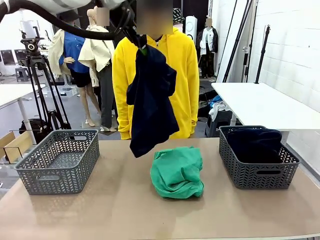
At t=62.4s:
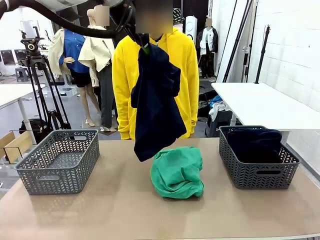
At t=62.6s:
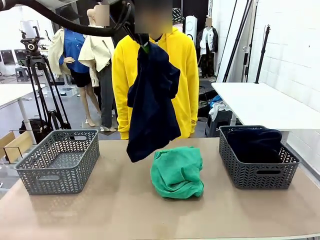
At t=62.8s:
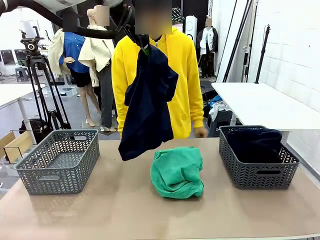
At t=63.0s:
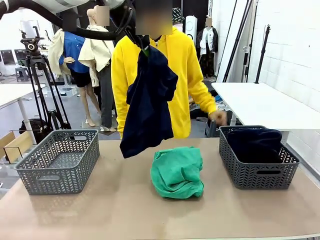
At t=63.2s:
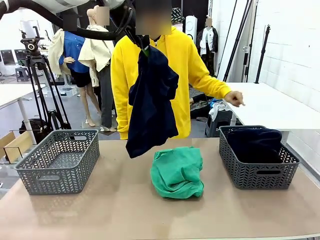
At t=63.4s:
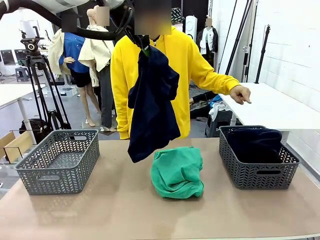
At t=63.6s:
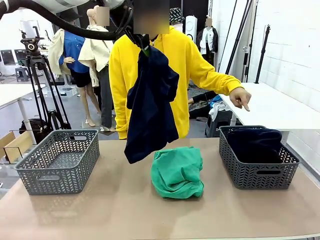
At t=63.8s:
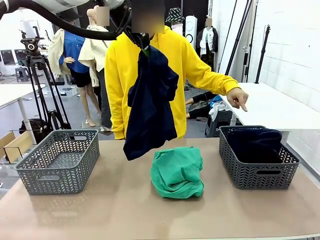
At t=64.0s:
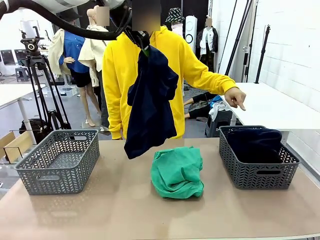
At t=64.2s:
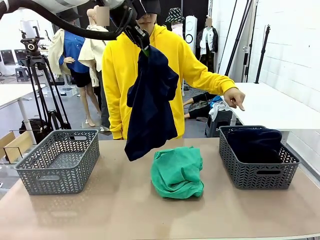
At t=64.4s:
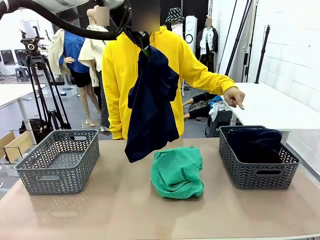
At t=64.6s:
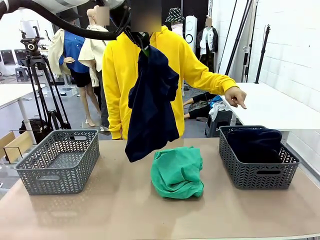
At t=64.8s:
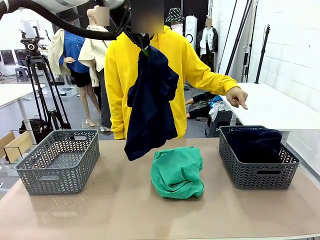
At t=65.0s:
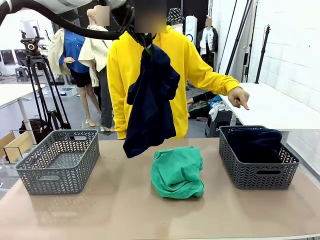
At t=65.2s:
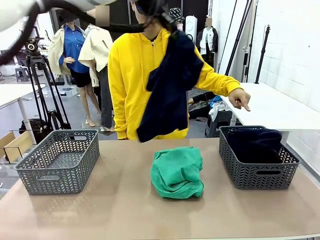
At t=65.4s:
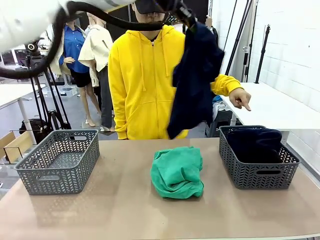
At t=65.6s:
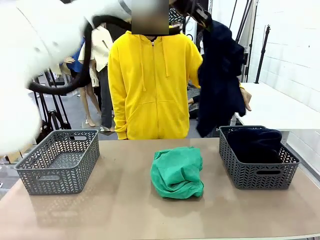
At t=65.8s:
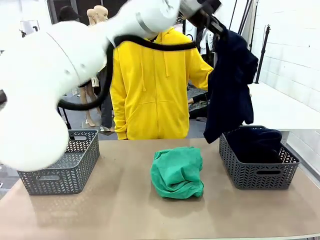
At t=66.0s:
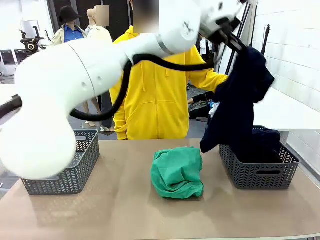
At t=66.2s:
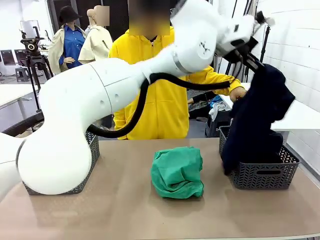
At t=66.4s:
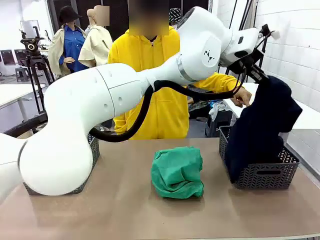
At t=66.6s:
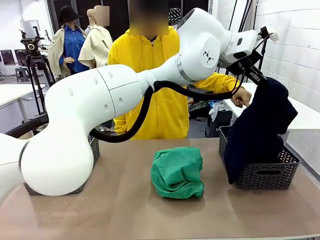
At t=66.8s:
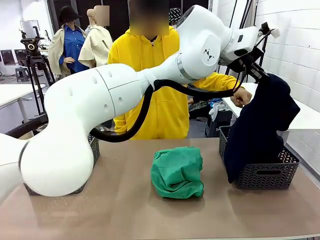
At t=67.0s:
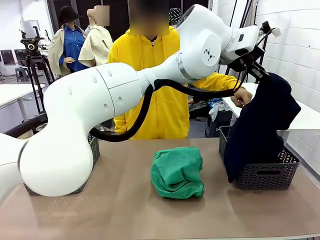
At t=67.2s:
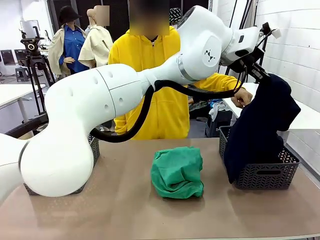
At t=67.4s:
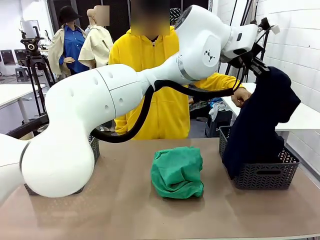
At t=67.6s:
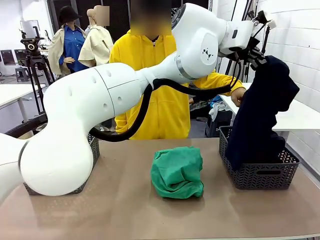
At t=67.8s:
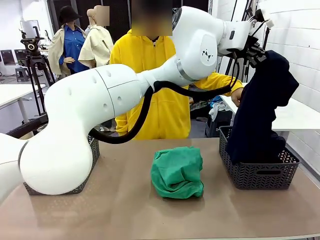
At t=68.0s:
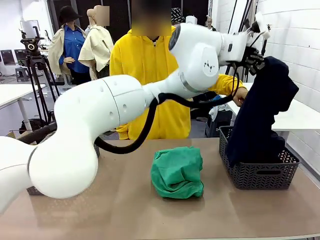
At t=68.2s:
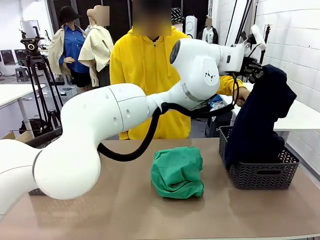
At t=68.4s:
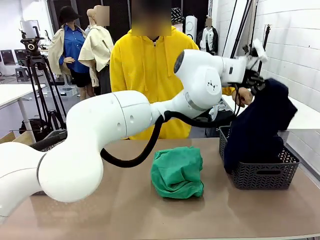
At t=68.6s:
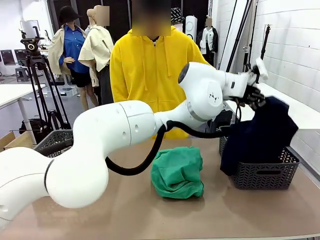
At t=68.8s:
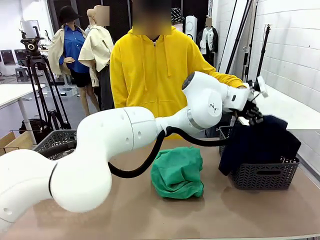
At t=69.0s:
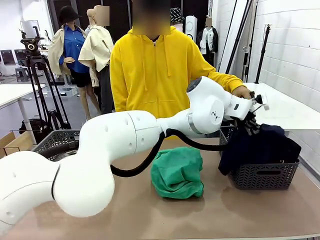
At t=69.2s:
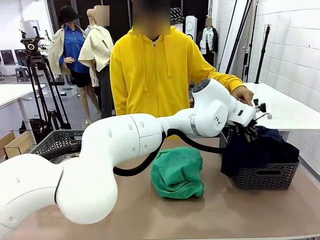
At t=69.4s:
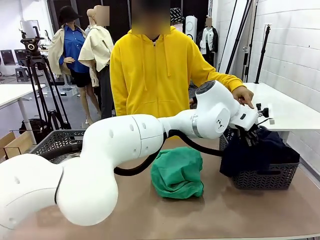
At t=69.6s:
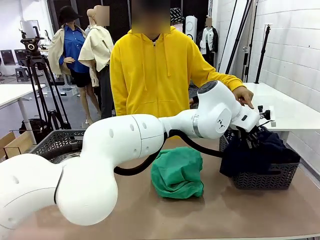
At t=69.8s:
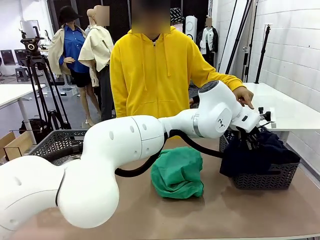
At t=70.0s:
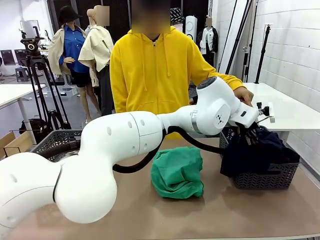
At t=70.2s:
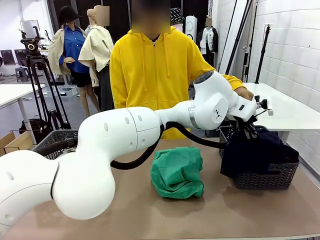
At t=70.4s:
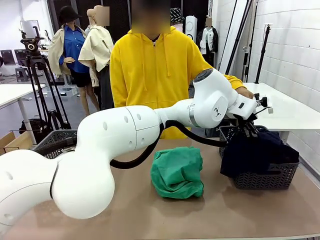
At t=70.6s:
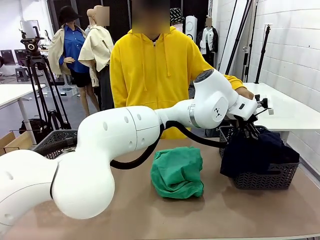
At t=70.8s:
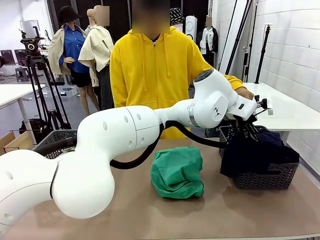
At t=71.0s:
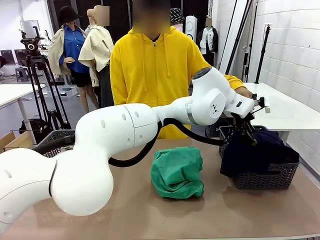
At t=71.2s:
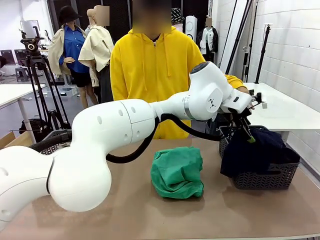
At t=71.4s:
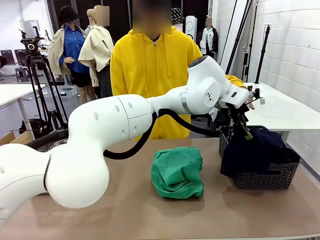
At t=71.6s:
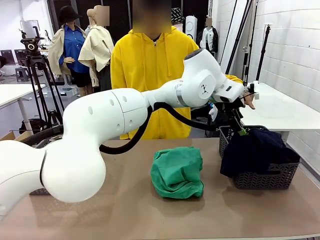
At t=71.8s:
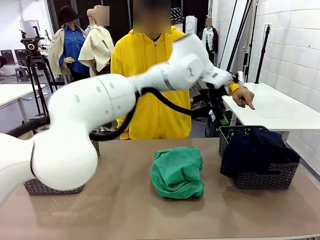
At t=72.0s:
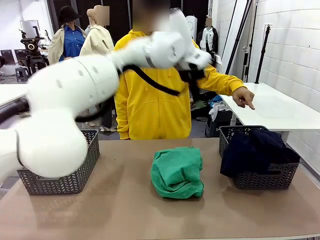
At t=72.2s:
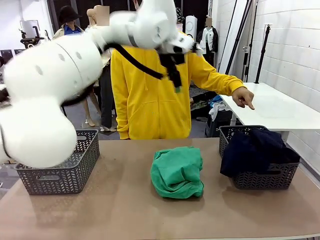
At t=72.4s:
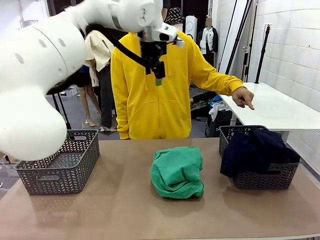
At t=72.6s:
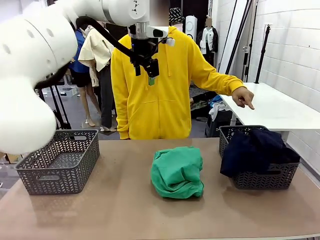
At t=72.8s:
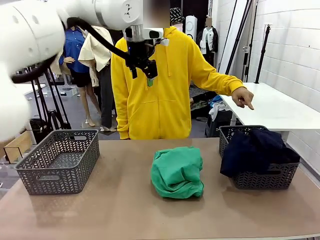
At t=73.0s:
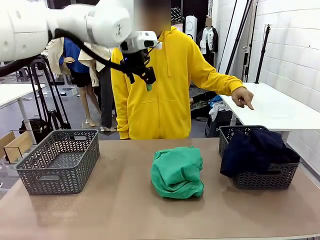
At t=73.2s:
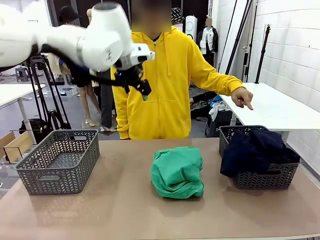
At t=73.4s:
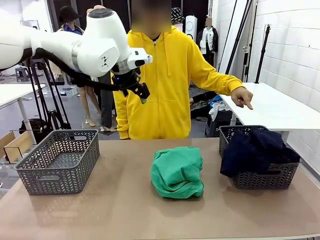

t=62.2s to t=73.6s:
Task: Sort the tops and bottoms.
Robot: Sort the clothes according to human instructions.

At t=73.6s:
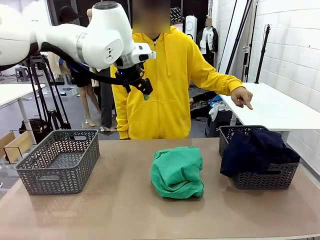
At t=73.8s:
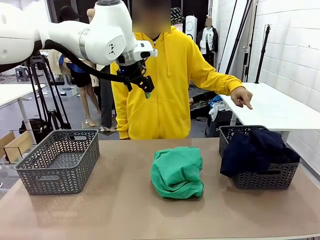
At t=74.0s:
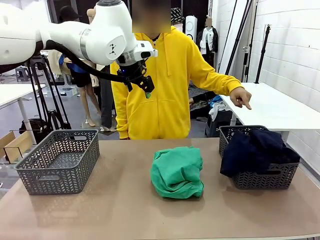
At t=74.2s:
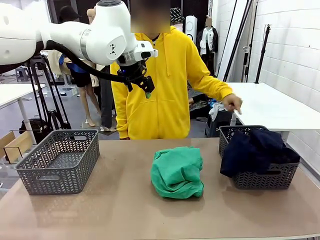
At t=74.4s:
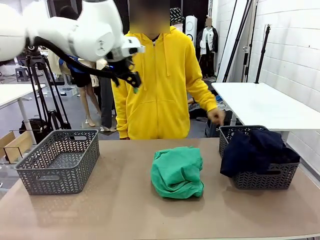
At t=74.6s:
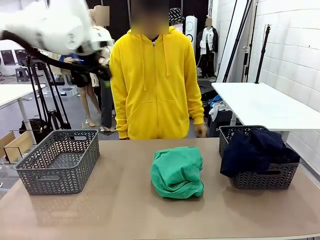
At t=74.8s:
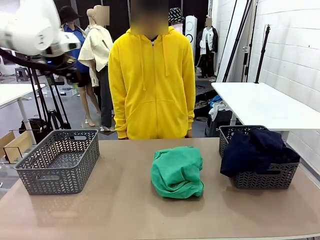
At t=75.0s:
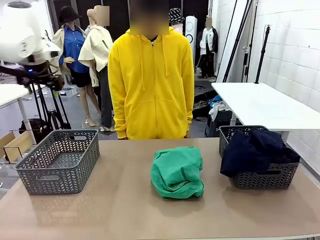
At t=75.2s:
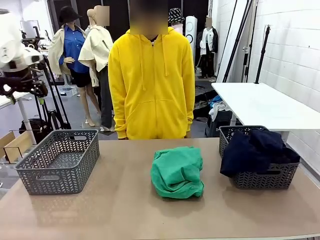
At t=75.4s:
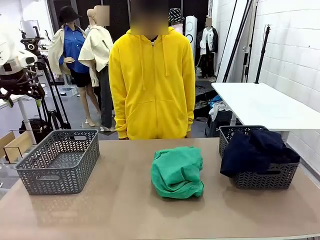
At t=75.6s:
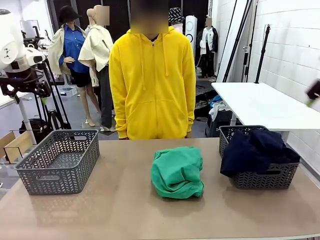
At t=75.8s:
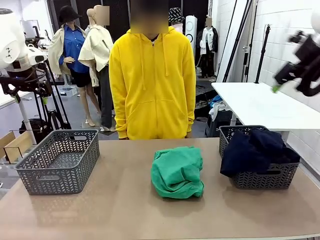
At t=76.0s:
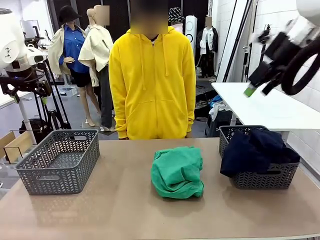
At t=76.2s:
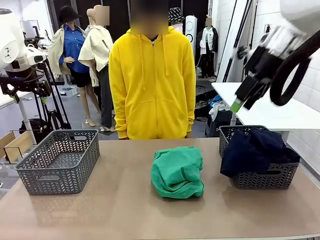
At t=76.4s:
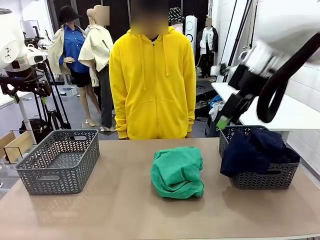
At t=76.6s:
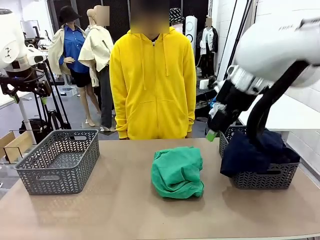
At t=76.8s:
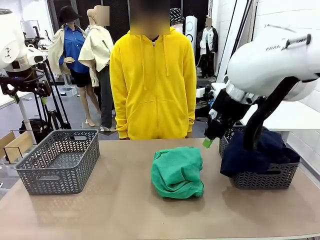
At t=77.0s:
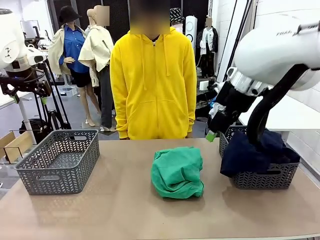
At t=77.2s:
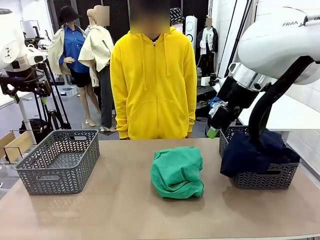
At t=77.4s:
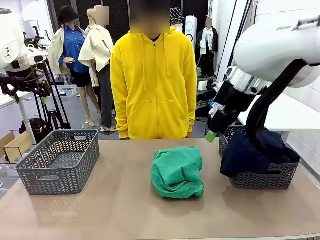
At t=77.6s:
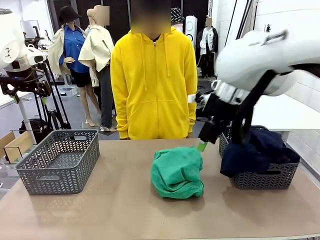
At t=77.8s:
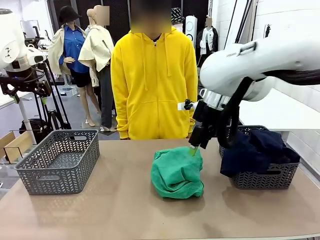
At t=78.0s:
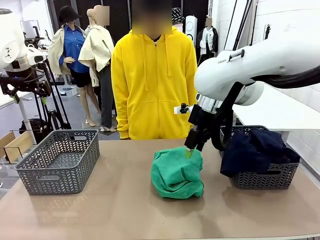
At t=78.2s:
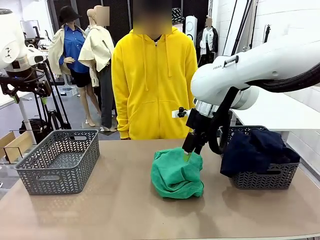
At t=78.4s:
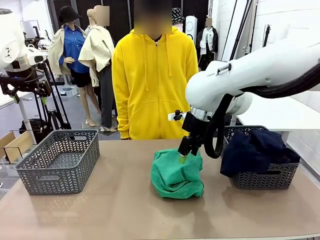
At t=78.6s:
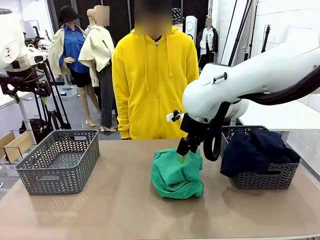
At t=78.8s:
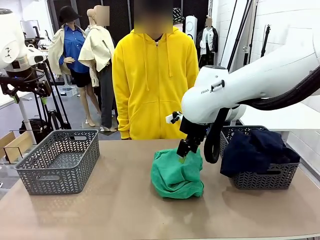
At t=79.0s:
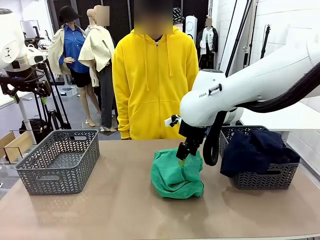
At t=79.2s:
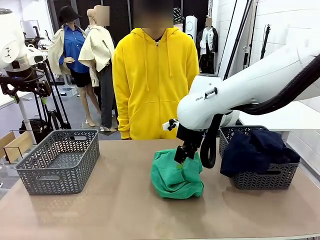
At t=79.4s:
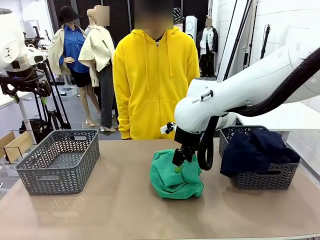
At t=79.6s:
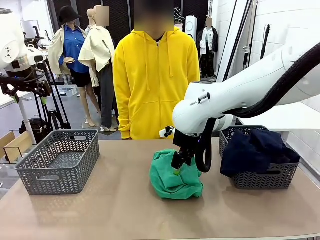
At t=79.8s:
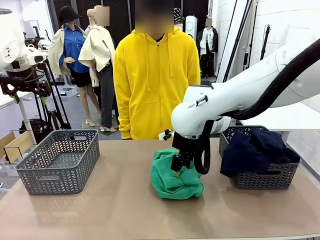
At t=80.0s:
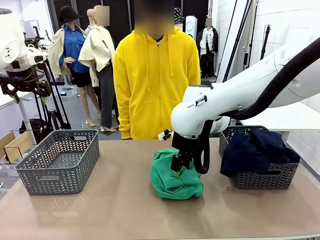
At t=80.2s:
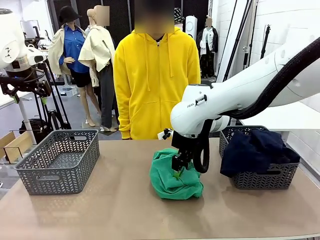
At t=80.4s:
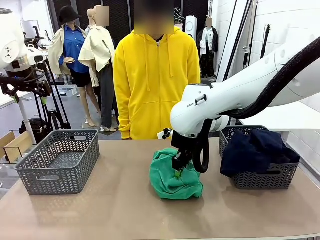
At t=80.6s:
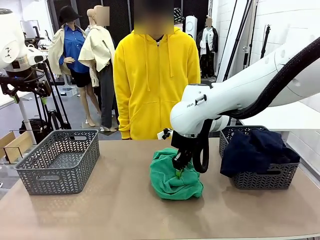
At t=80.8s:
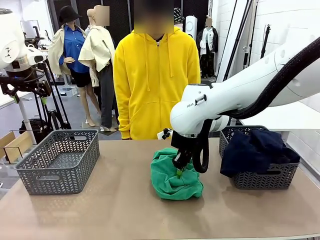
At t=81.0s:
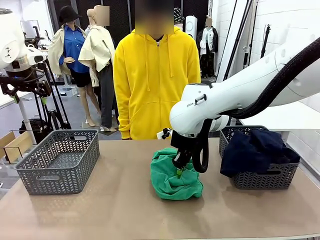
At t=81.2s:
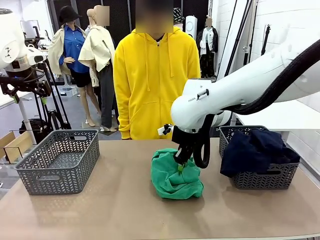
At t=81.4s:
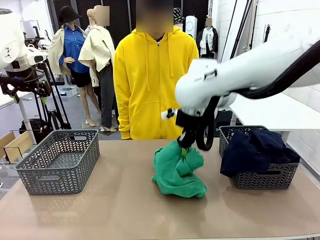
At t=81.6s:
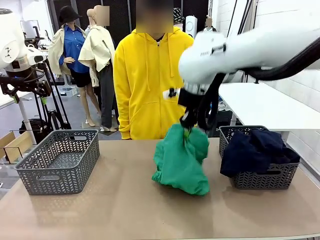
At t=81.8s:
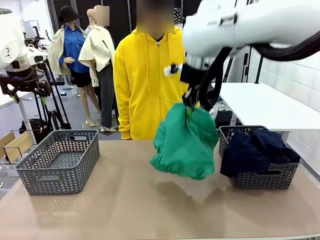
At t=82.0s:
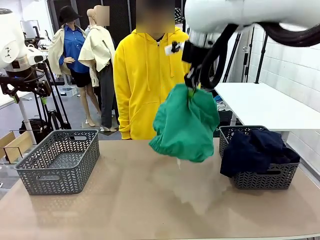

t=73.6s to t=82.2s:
Robot: Lift clothes from the center of the table with your right hand.
